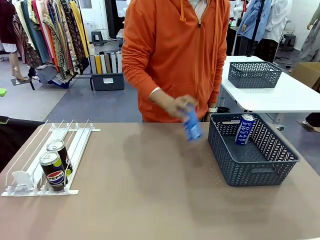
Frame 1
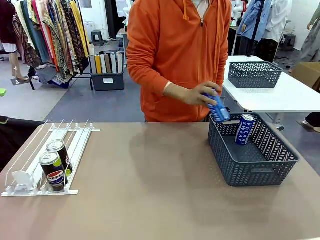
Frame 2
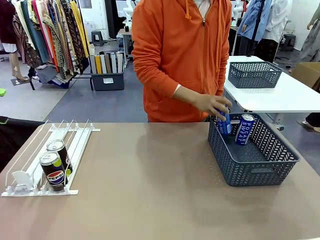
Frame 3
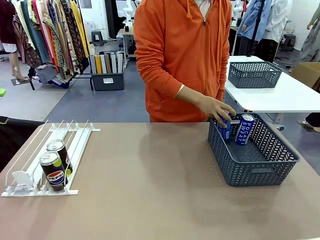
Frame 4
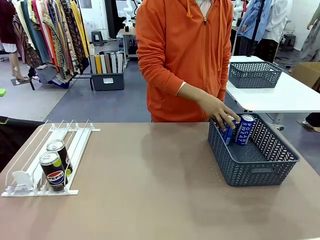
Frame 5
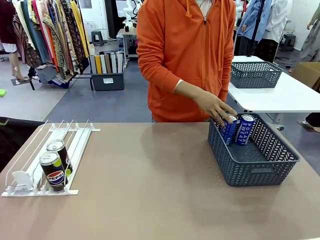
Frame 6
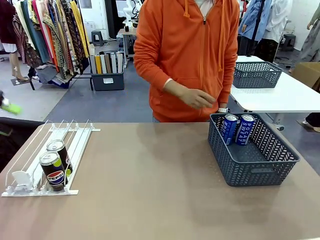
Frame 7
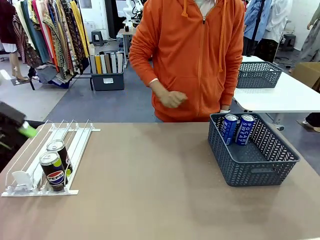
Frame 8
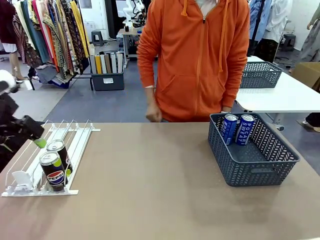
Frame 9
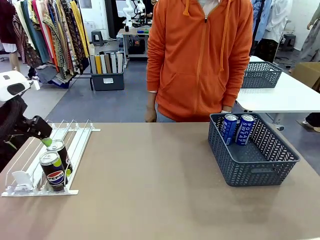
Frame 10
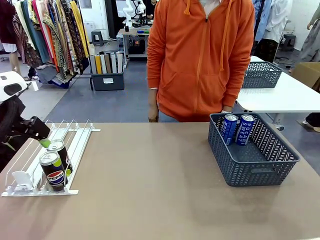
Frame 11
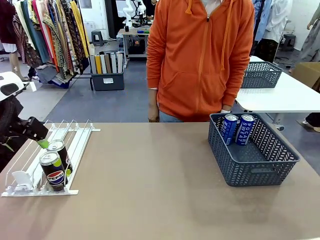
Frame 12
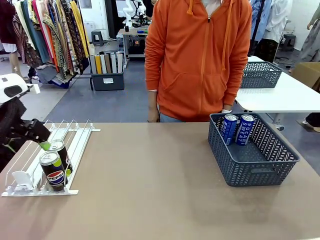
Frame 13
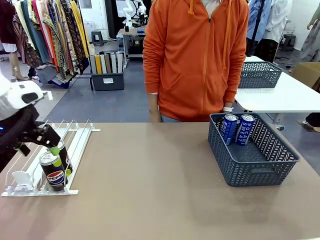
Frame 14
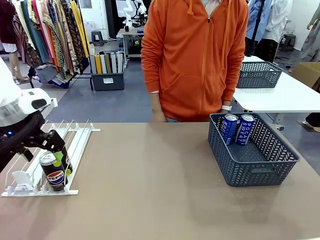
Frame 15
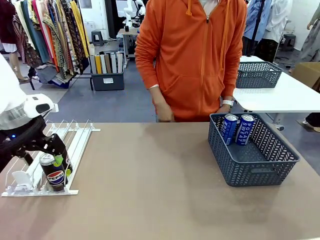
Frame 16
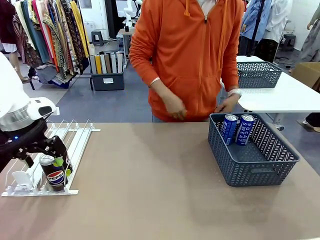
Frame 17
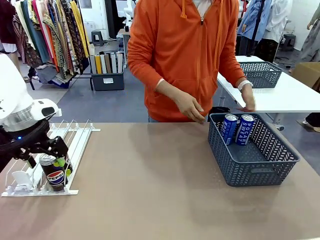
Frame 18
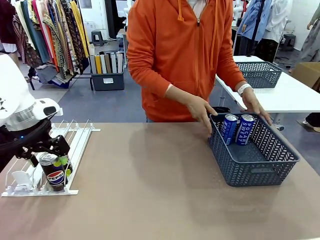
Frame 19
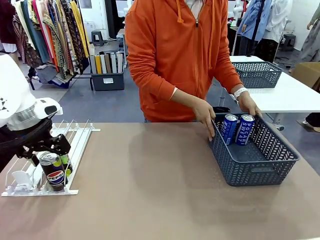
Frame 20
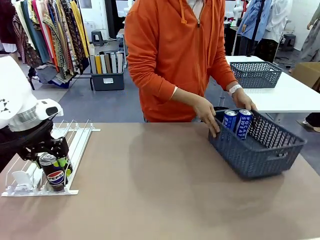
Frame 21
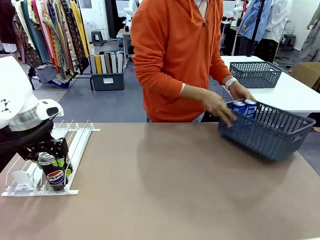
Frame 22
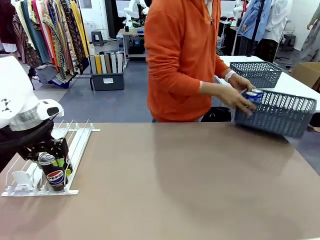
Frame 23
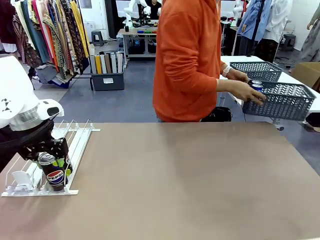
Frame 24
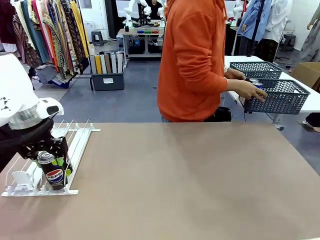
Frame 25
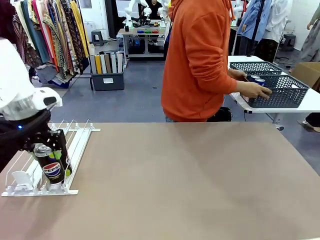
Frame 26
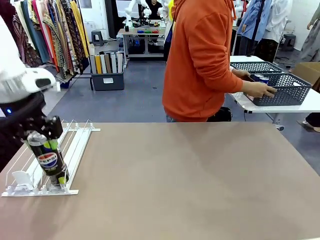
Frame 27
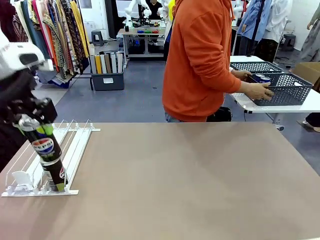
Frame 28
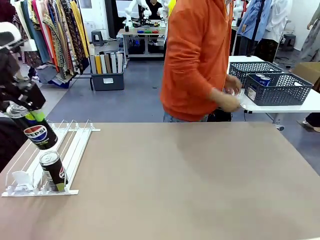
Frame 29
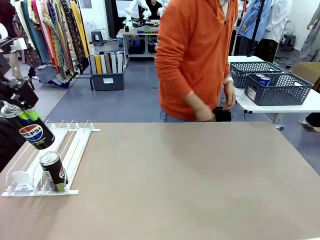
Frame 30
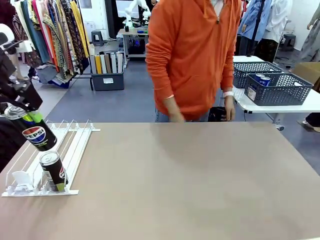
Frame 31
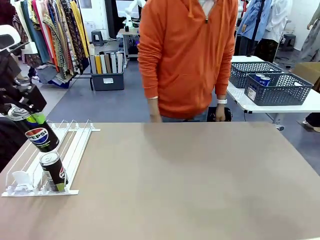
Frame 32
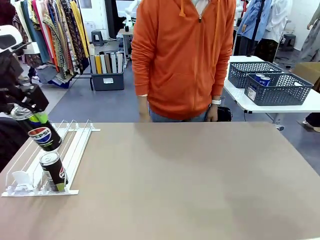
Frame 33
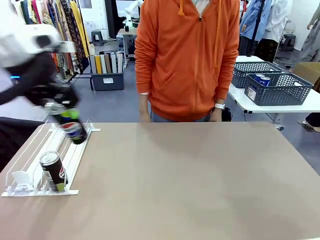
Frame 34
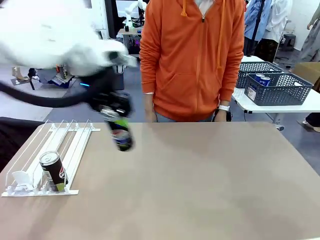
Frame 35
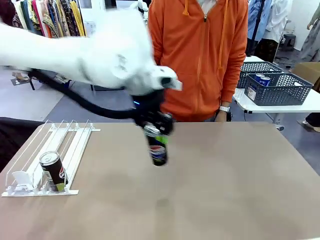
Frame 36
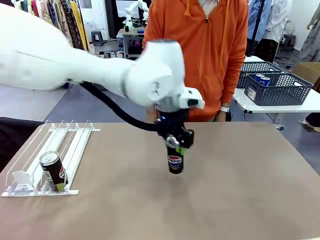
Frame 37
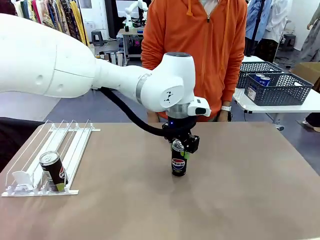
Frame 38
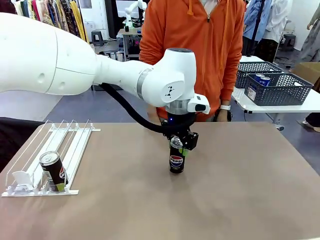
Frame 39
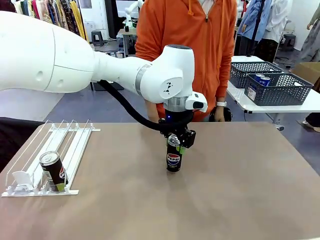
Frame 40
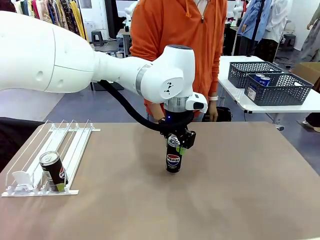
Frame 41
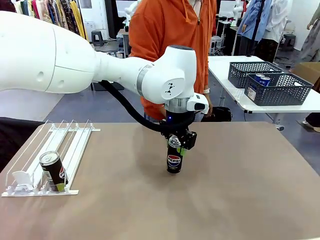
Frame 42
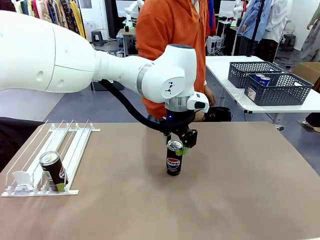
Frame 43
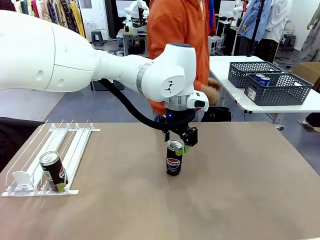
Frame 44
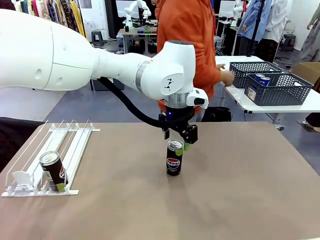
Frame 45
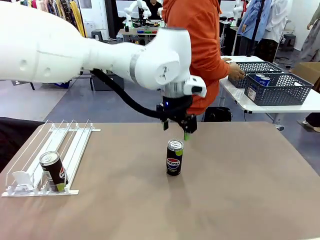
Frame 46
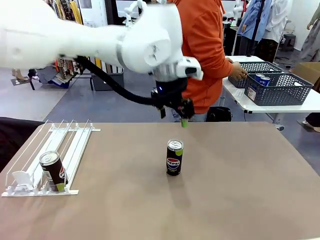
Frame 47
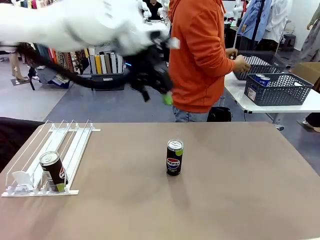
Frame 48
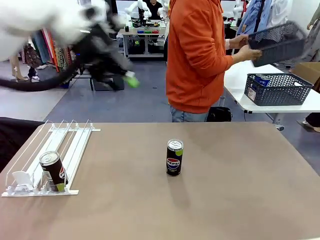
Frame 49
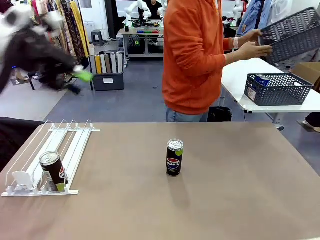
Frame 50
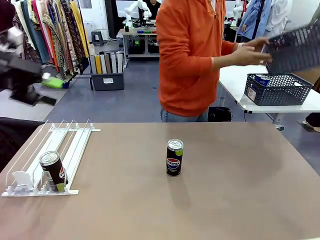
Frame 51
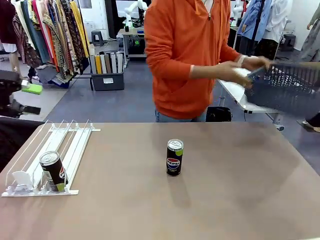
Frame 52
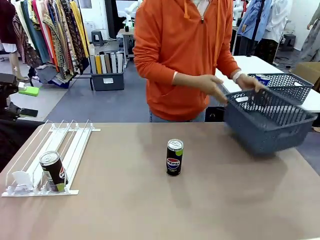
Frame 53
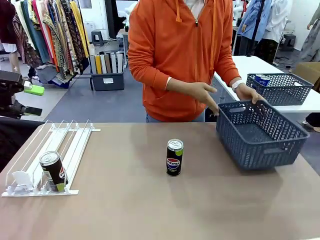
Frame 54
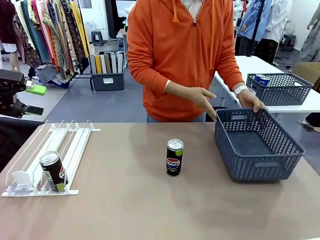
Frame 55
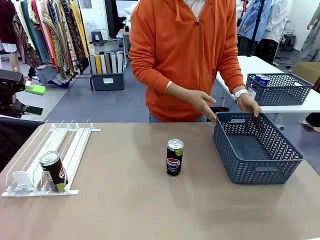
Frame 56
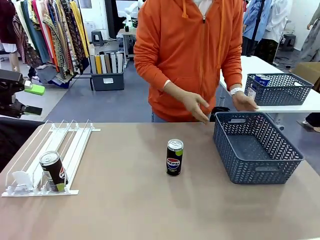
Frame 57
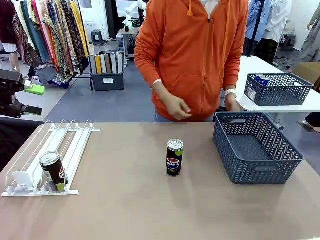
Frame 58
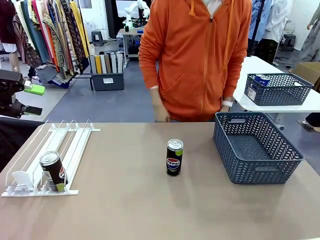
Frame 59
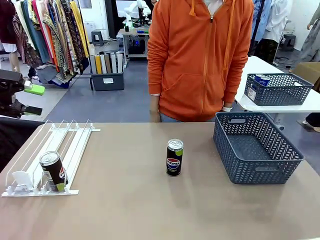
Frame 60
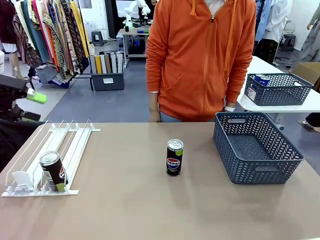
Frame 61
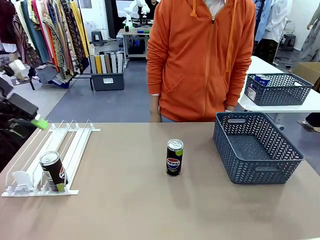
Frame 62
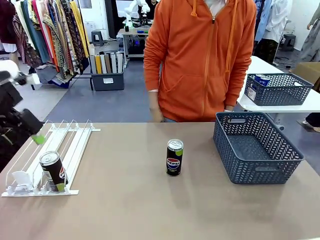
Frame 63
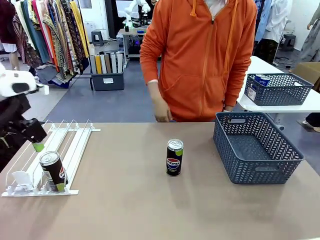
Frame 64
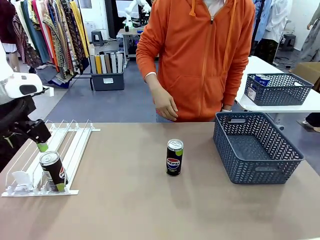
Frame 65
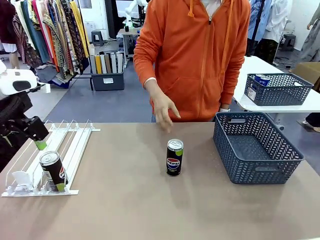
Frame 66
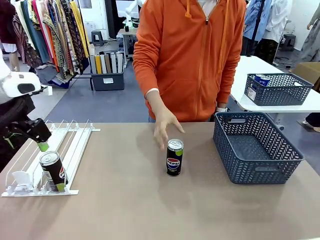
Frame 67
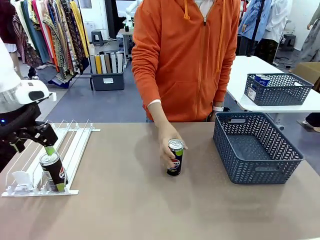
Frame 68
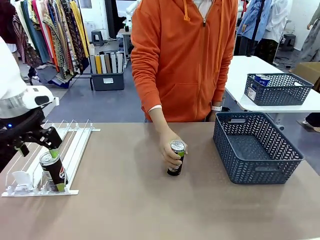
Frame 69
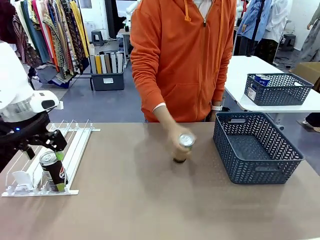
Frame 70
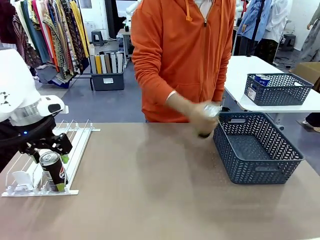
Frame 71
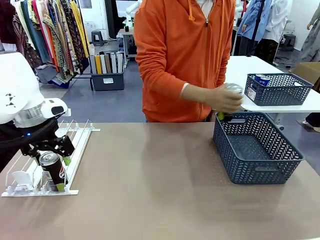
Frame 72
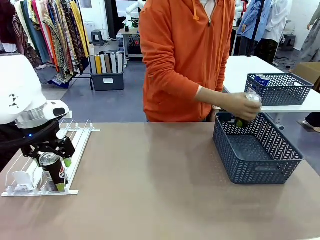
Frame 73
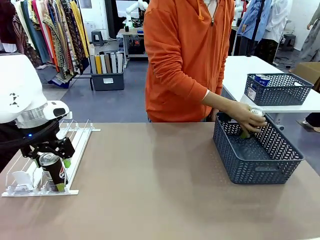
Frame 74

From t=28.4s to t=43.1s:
Task: Retrieve and store the cans from the dispenser.
Robot: Pick up one can from the Automatic Can Dispenser and place it in the middle of the table.
Person: Pick up the basket and place it in the middle of the human table. Pick up the empty basket and place it on the left side of the robot table.

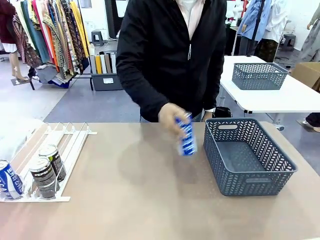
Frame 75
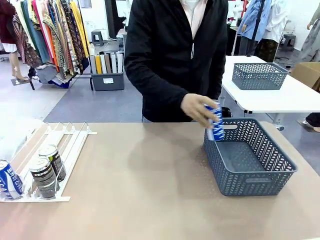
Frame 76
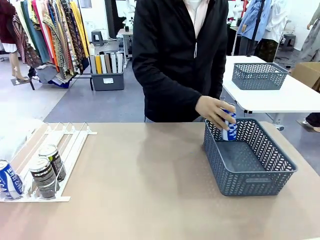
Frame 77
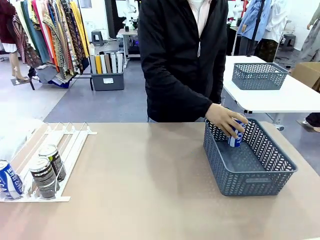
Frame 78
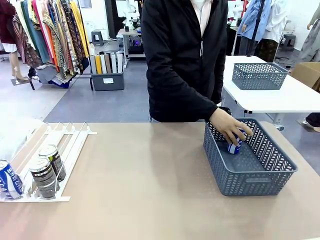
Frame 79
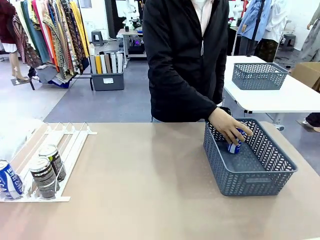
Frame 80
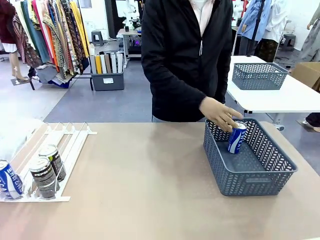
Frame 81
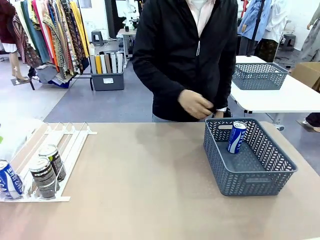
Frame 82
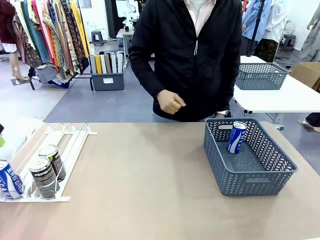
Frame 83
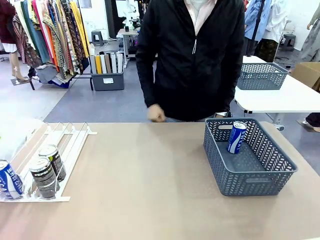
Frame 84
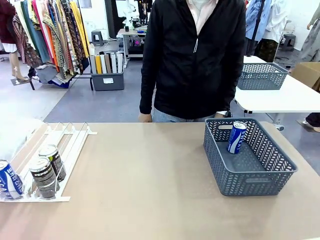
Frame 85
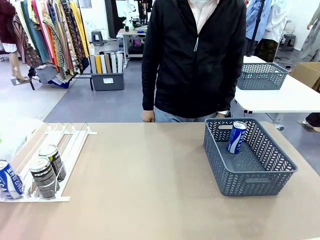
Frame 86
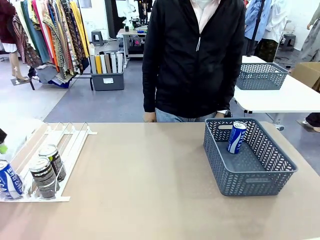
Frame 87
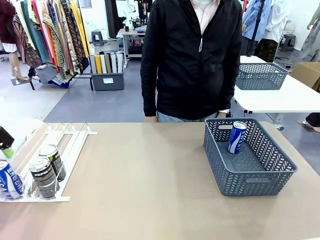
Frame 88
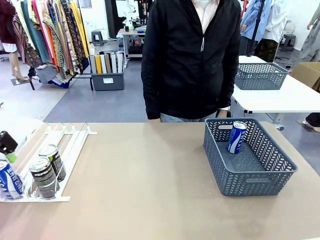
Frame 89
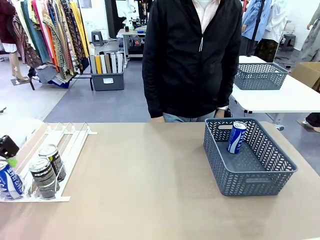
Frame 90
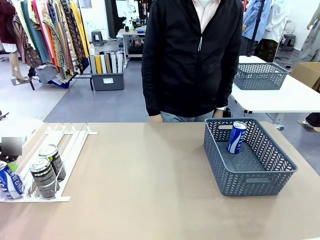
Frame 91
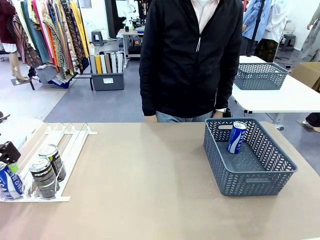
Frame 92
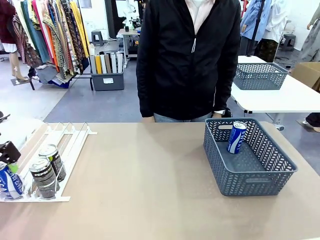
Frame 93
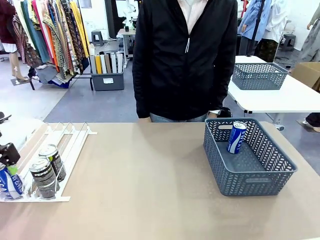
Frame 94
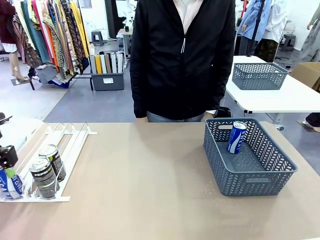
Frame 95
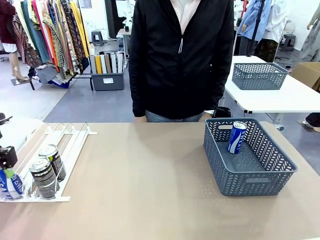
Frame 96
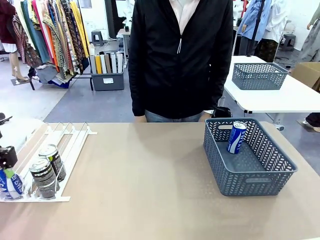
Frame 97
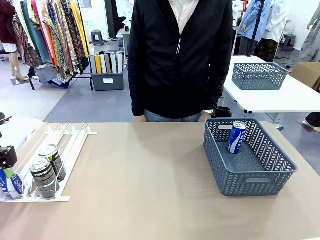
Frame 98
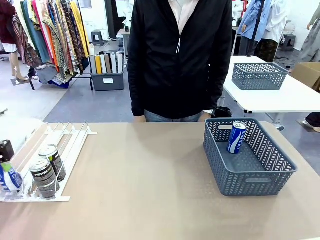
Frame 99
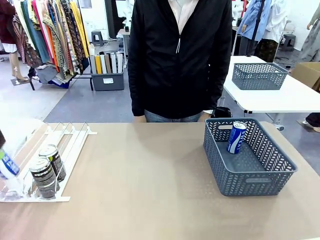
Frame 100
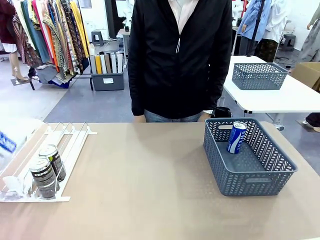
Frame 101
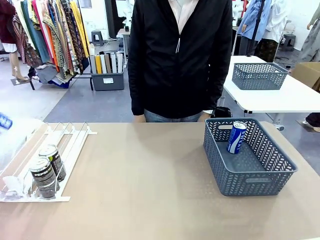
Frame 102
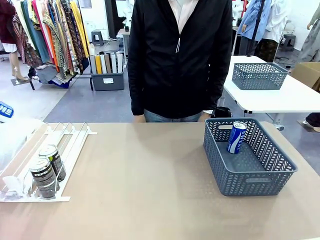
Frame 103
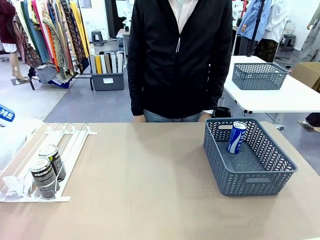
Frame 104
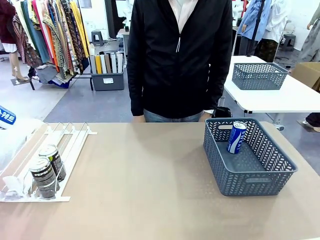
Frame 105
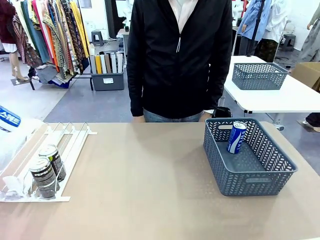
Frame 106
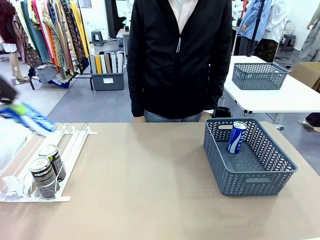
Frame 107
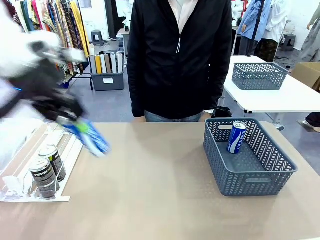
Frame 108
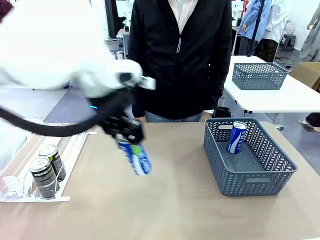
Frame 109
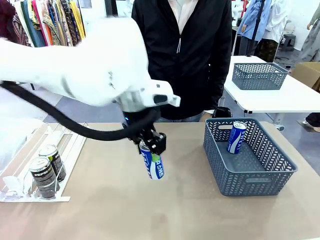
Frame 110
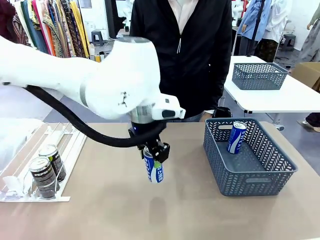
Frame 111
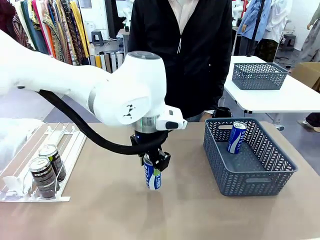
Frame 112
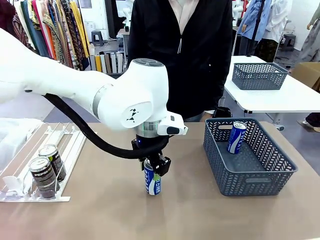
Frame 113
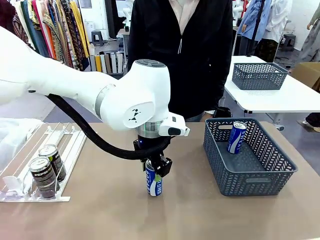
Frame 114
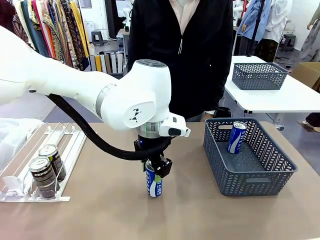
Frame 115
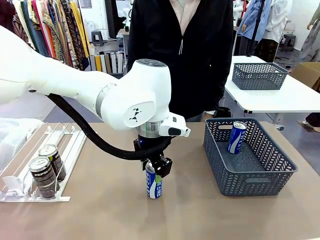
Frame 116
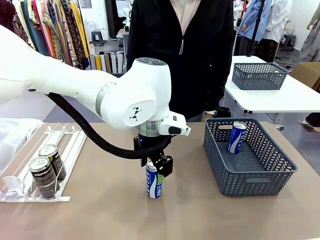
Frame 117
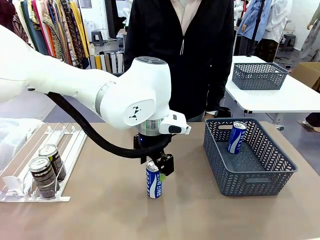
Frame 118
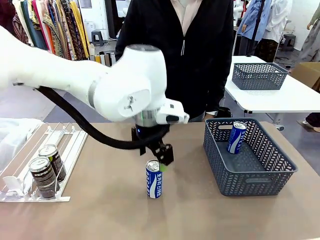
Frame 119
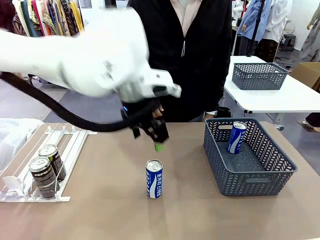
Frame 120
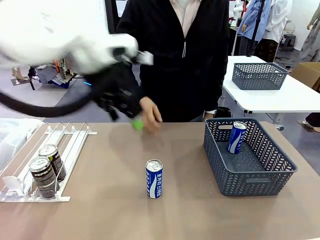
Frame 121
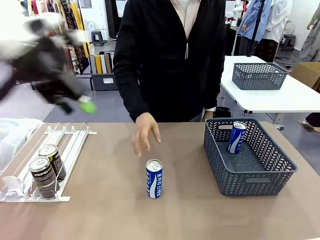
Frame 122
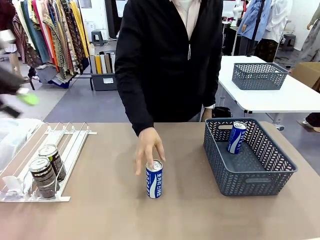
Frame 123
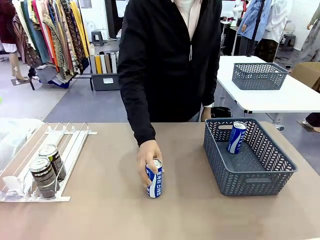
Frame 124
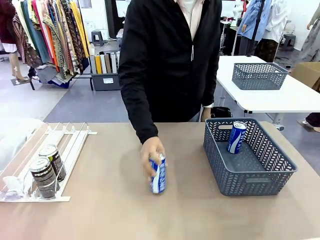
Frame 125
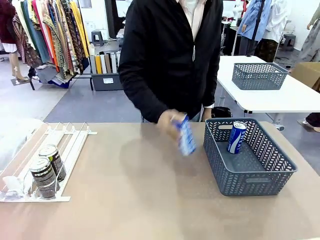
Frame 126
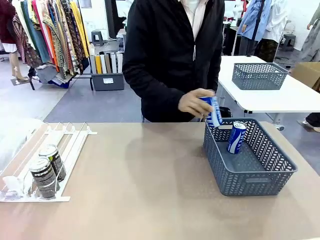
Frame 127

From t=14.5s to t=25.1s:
Task: Retrieve and store the cans from the dispenser.
Robot: Pick up the last remaining can from one row of the Automatic Can Dispenser and place it in the middle of the table.
Person: Pick up one Pepsi can from the middle of the robot table and place it in the basket.
